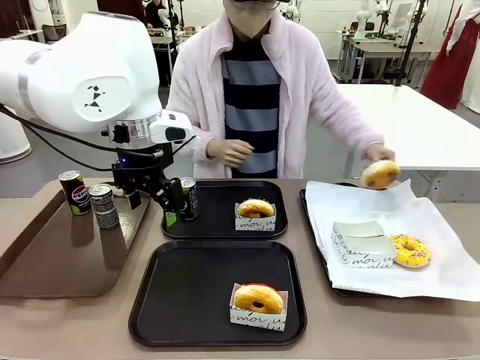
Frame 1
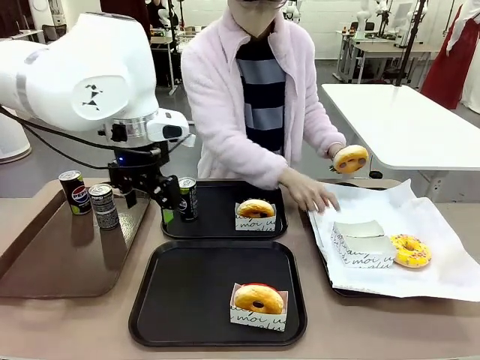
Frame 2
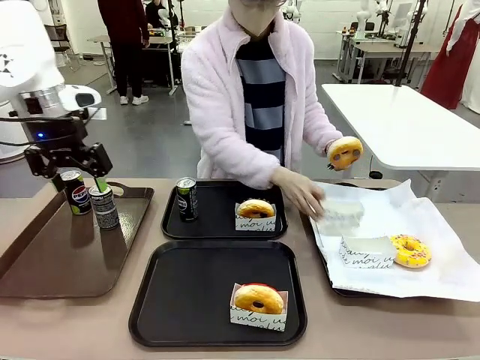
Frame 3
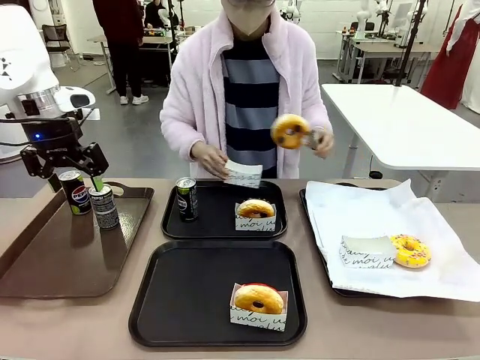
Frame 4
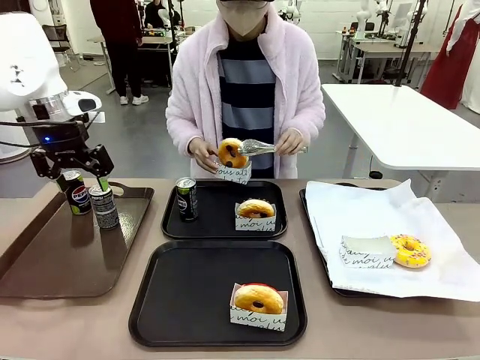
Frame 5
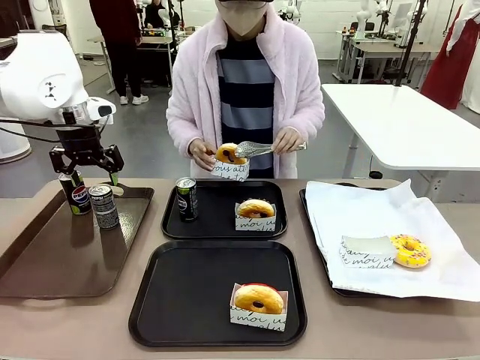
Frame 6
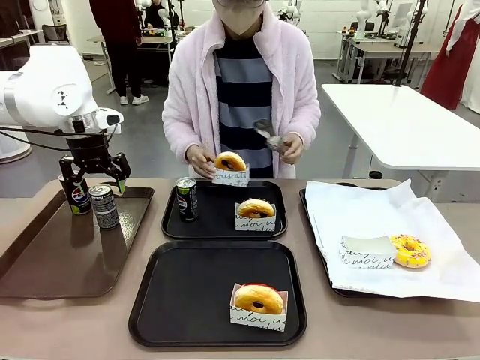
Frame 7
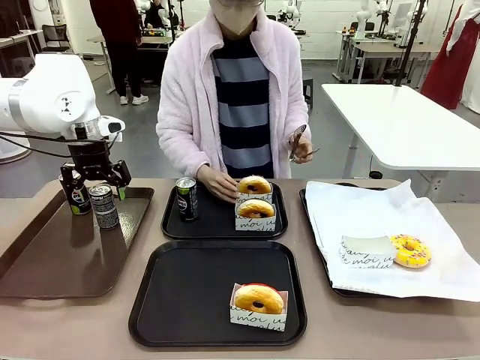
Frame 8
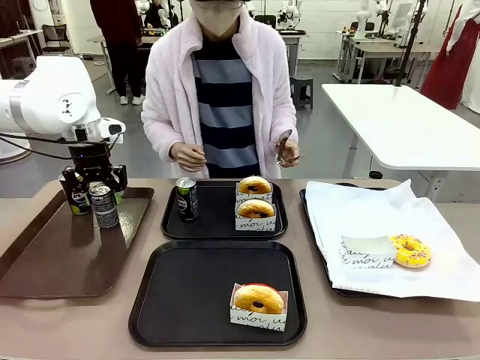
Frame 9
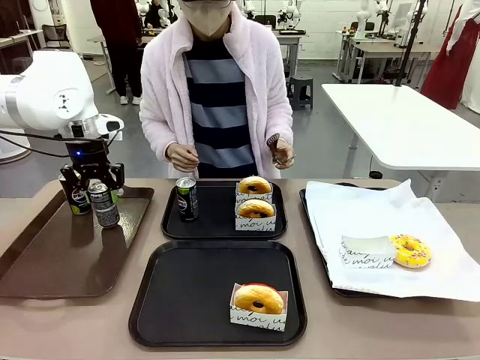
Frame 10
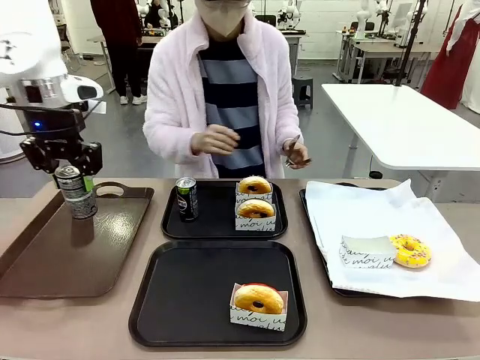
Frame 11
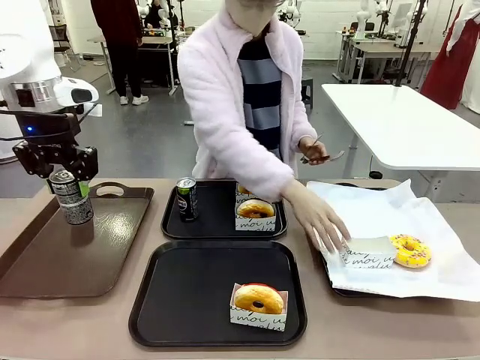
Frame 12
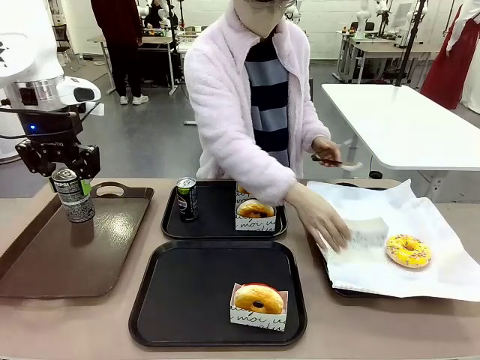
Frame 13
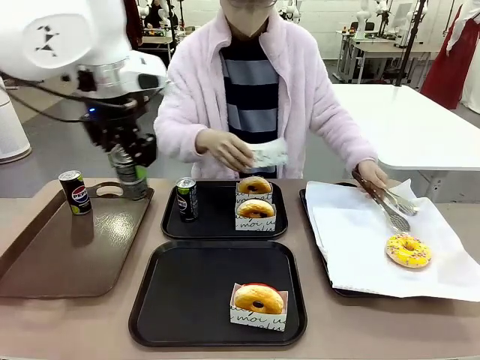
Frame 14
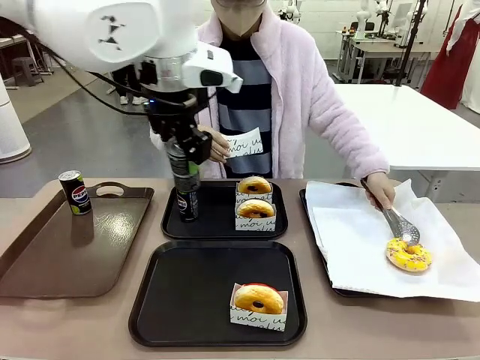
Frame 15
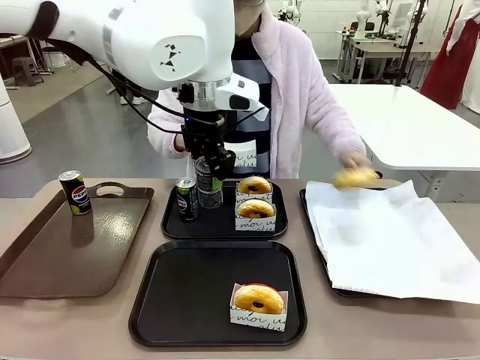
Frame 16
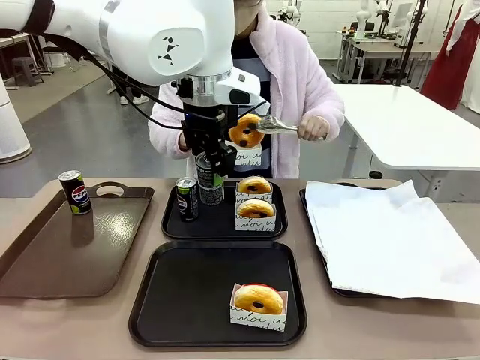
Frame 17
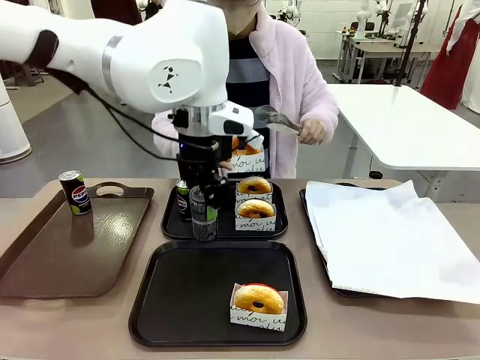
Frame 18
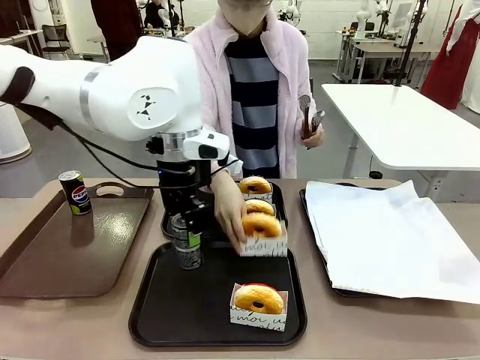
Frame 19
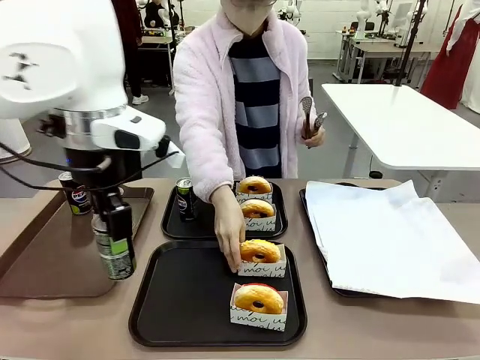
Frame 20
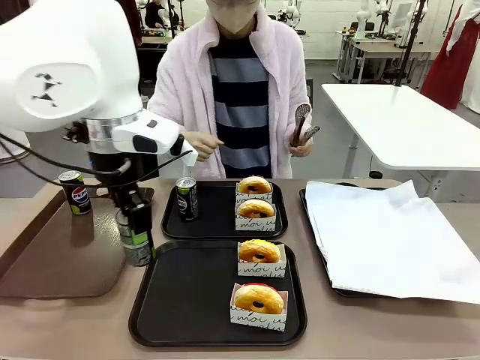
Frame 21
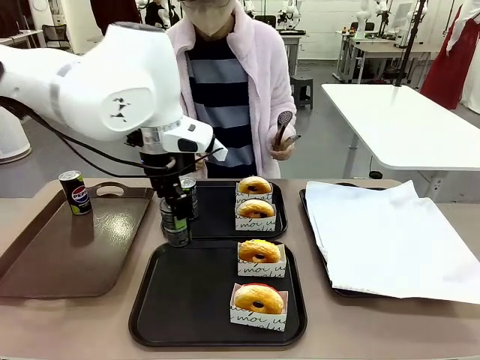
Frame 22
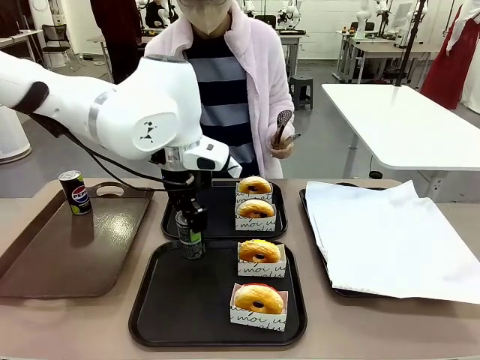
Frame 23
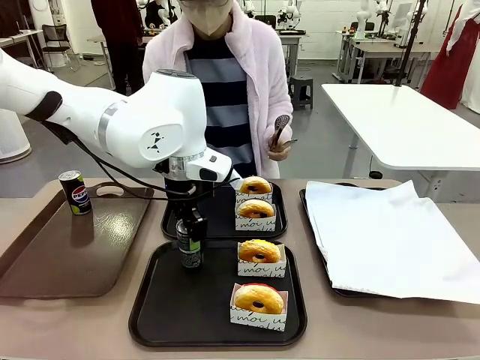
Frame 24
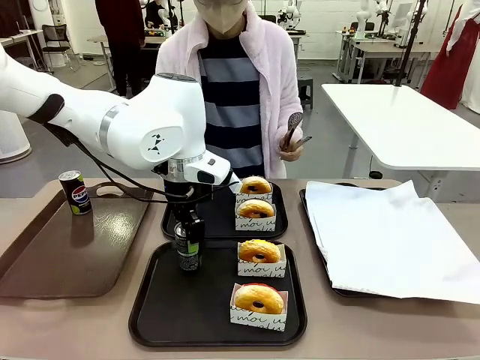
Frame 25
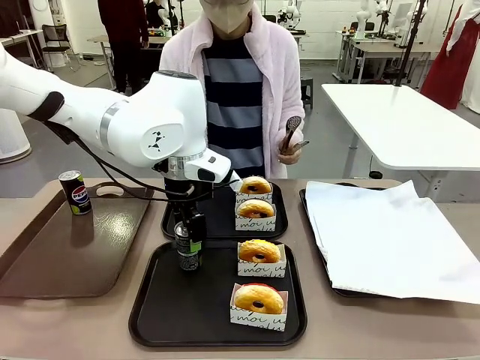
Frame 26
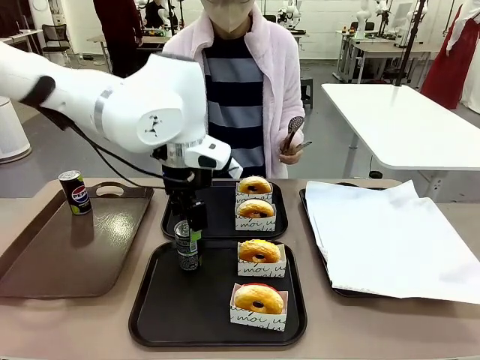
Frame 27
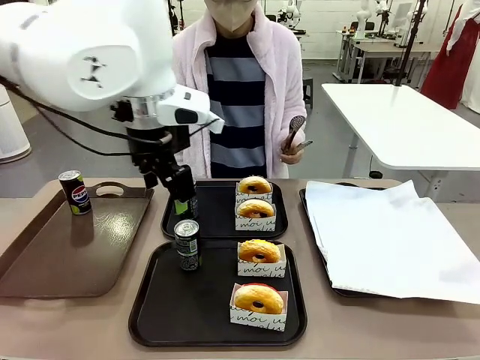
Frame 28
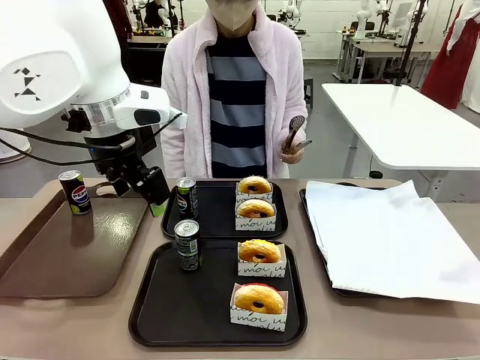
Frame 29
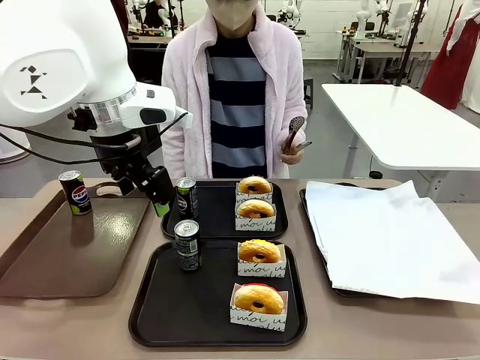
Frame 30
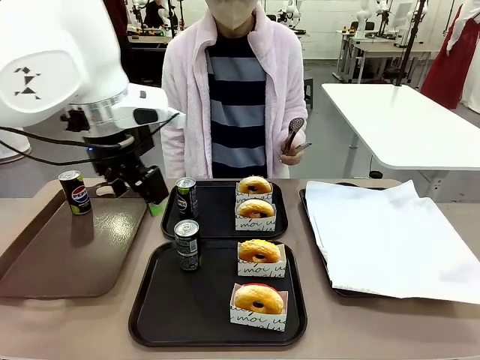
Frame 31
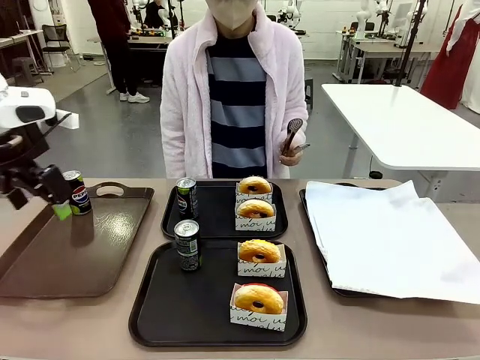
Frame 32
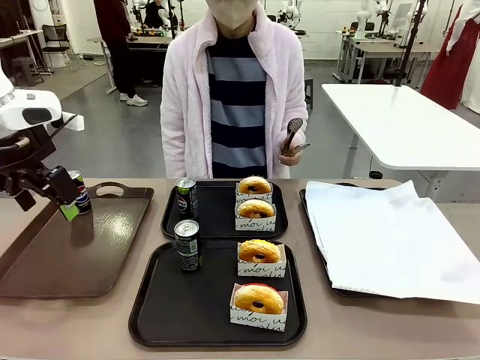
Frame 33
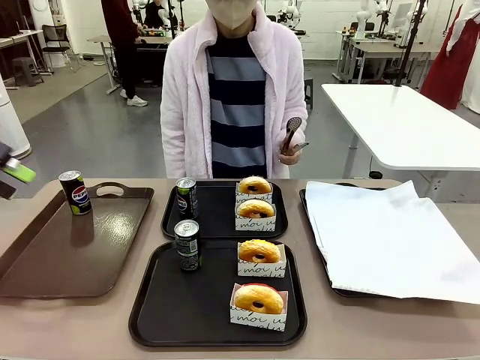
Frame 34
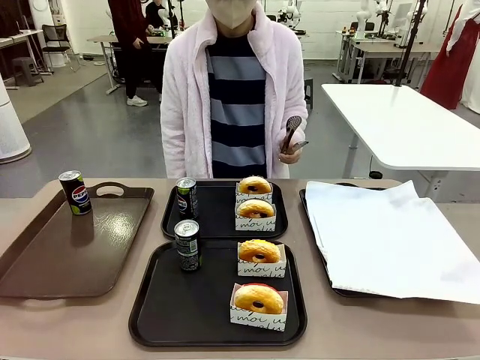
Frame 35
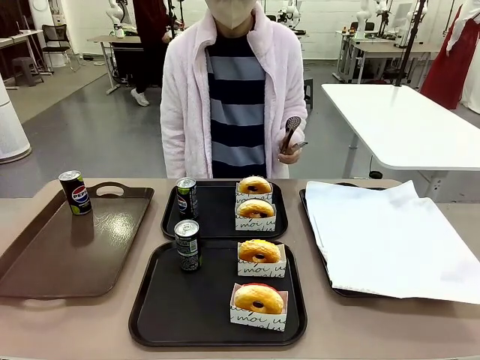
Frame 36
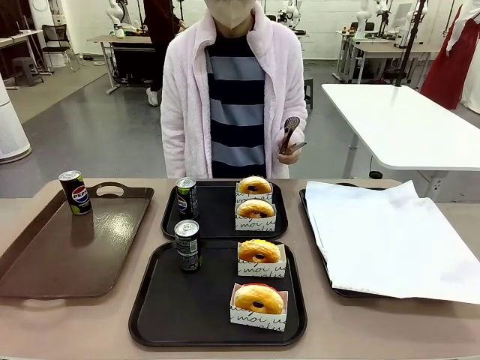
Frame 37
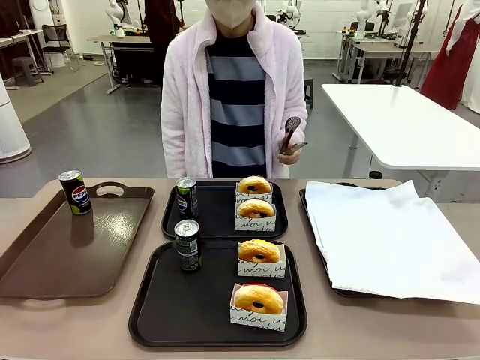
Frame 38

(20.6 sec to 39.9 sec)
Task: Set up donuts and drinks on trays.
Robot: Pick up one Pepsi coke from the Handle tray and place it on the Flat Tray without a Pepsi coke.

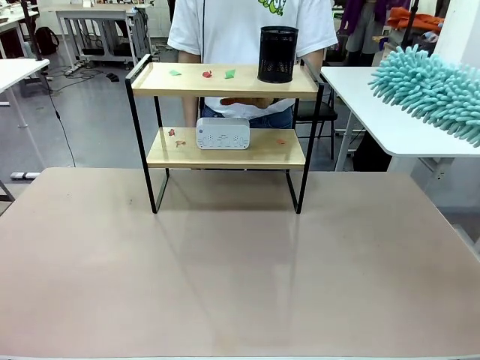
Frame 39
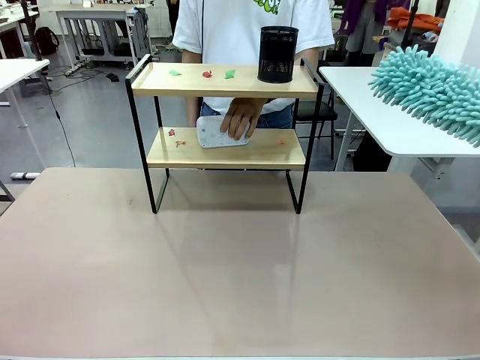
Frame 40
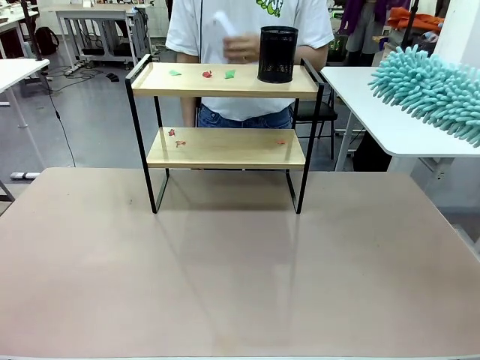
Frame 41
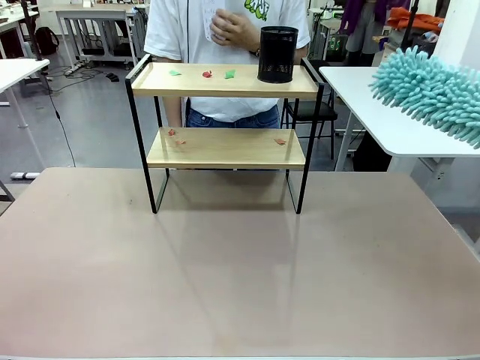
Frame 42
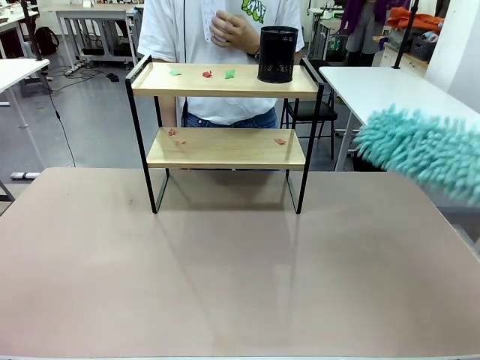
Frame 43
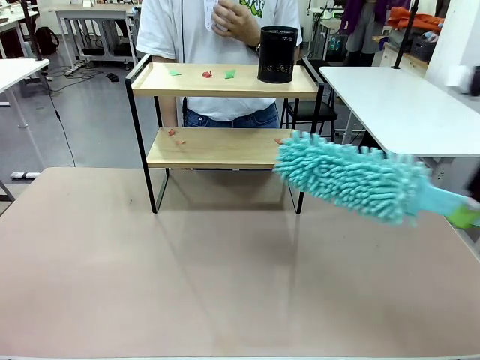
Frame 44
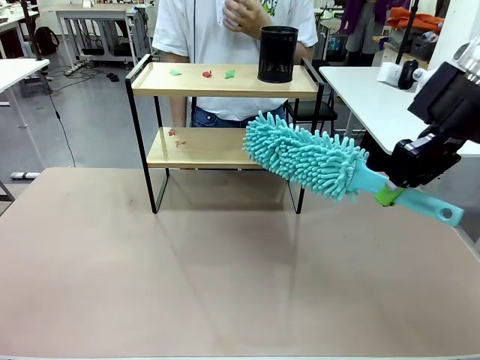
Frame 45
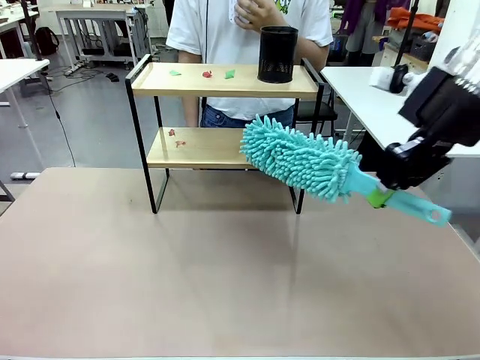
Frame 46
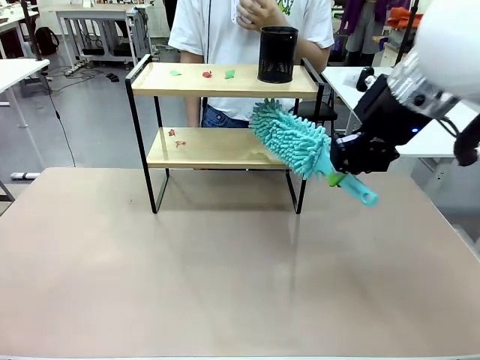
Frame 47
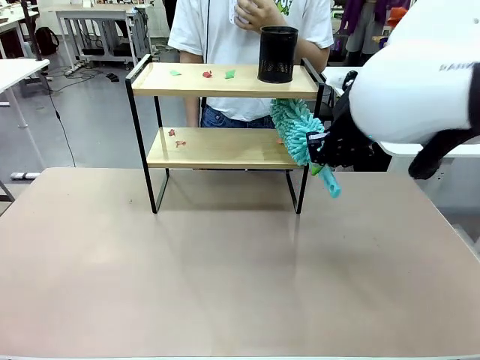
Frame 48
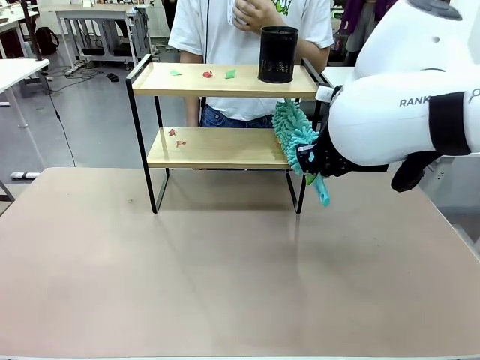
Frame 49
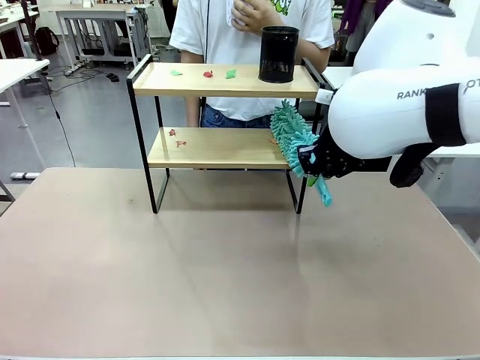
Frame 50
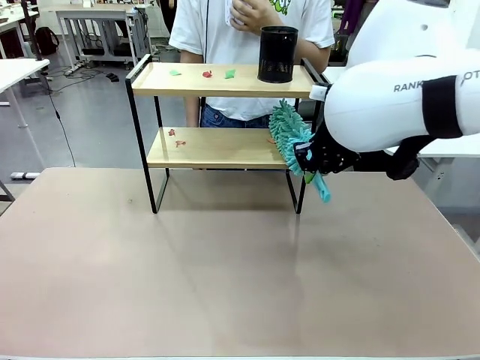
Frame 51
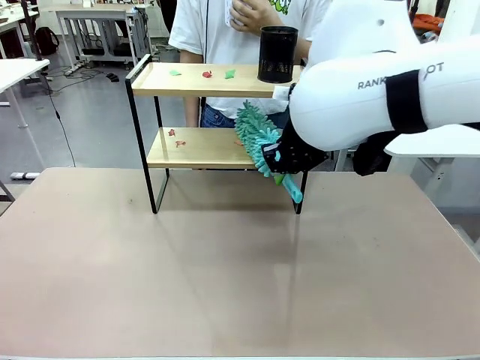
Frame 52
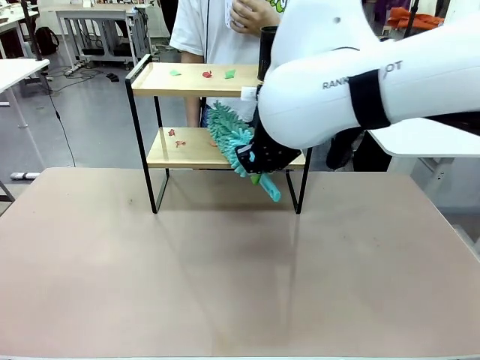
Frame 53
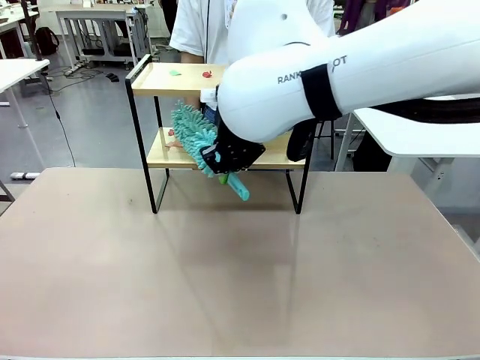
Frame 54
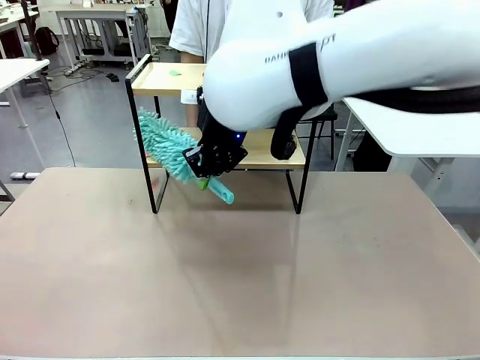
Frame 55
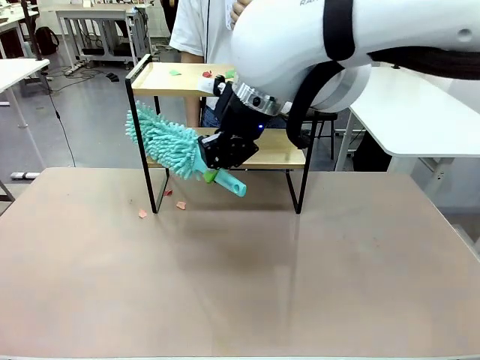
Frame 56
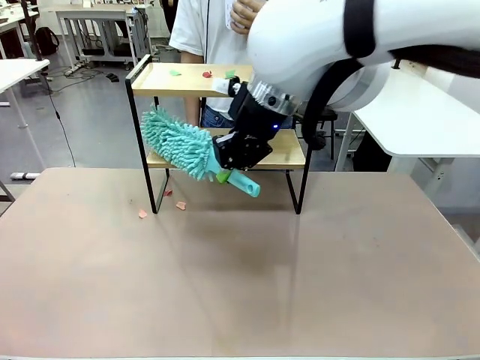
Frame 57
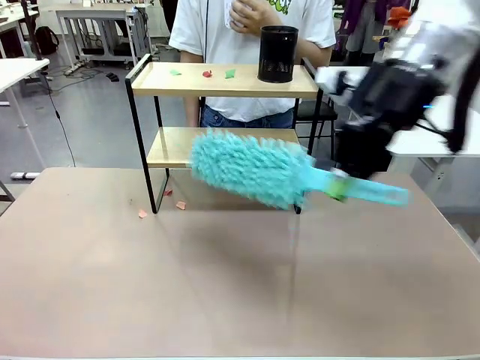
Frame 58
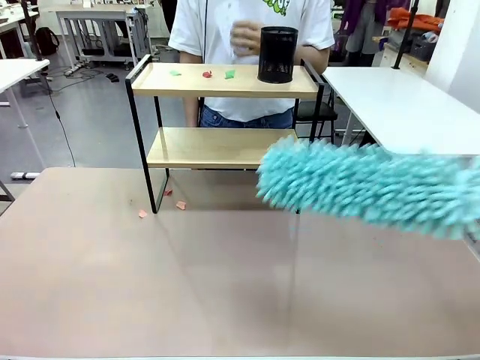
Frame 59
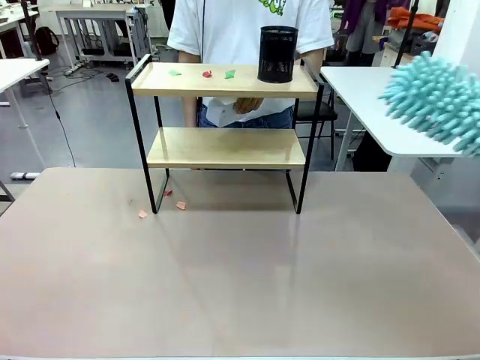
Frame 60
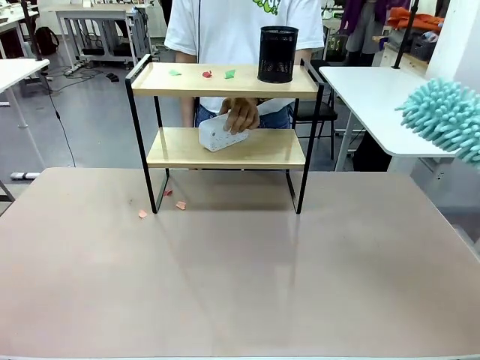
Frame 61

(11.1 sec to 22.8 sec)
Task: Clean the shelf.
Robot: Clean the specific tier of the Shelf with the Duster once objects are removed.
Person: Lift the objects on a randomly selected tier of the Shelf. Once the robot finishes cleaning, lift the objects on the remaining tiers of the Shelf.
